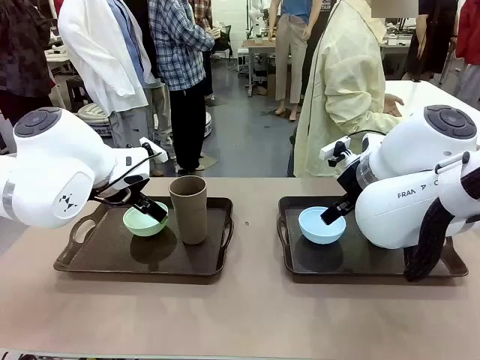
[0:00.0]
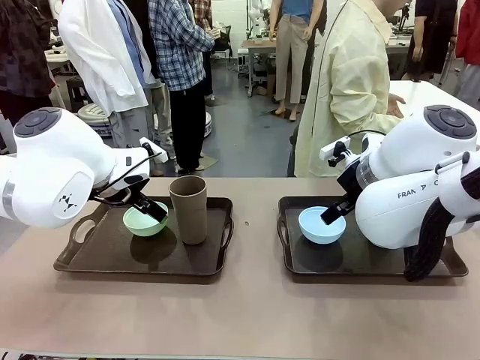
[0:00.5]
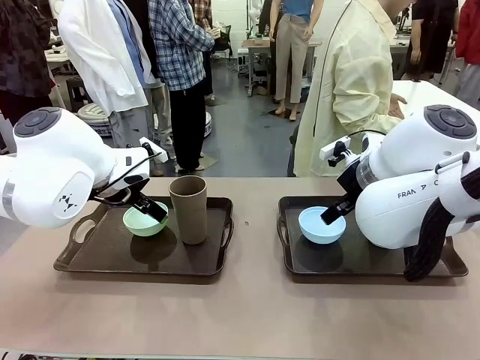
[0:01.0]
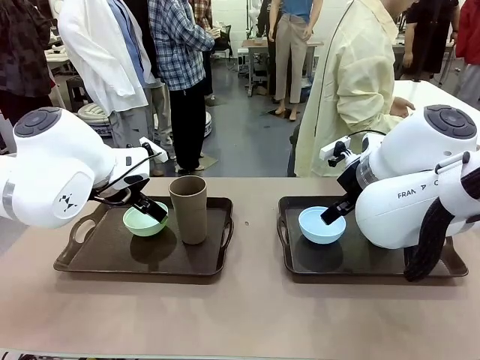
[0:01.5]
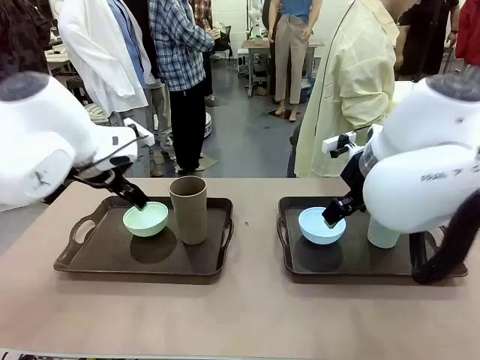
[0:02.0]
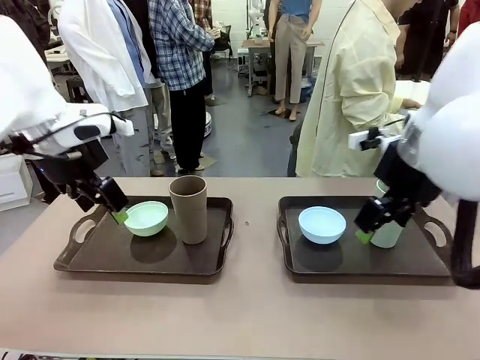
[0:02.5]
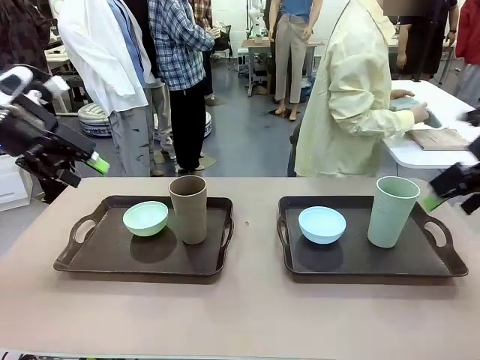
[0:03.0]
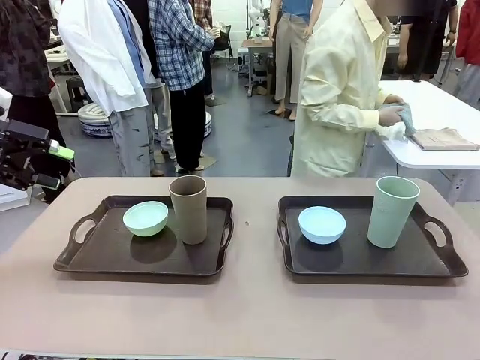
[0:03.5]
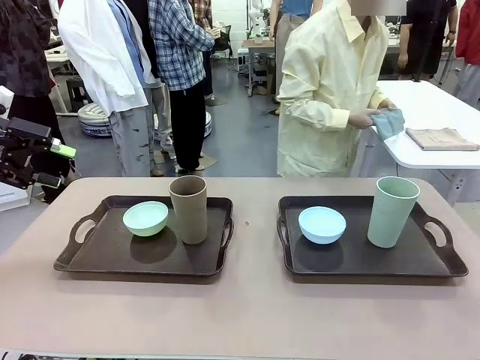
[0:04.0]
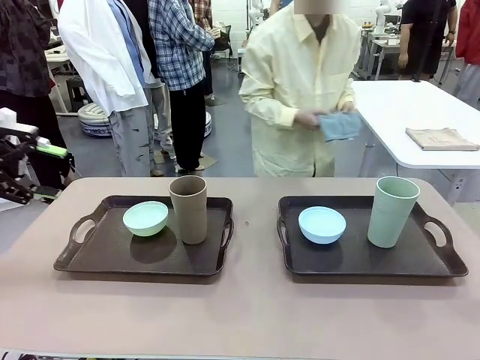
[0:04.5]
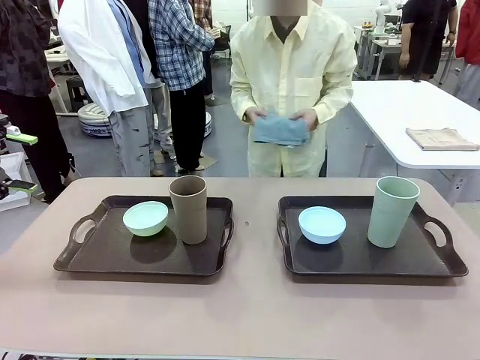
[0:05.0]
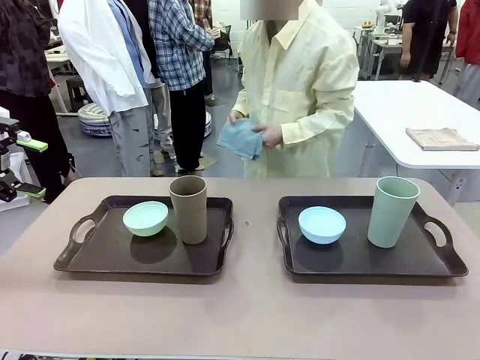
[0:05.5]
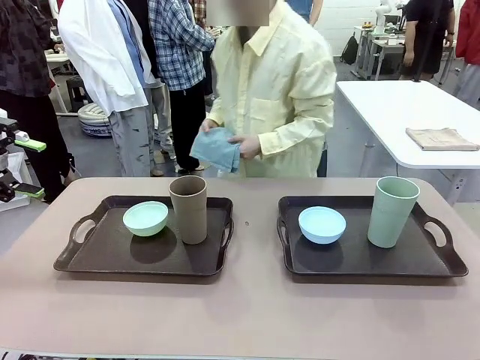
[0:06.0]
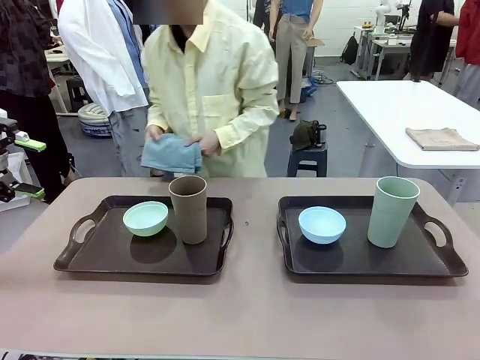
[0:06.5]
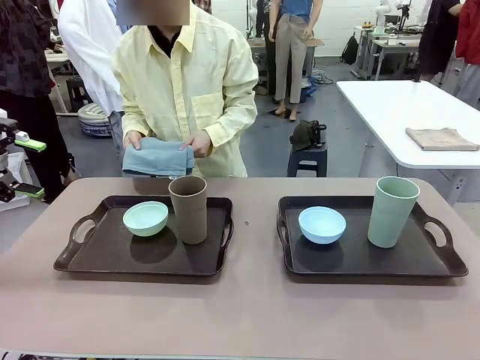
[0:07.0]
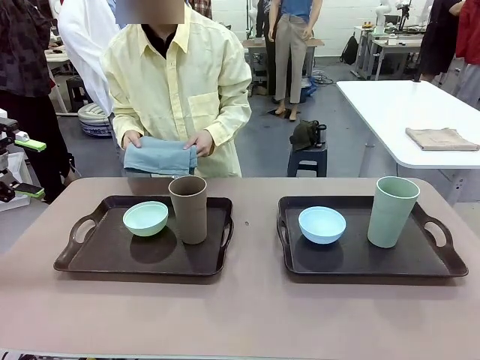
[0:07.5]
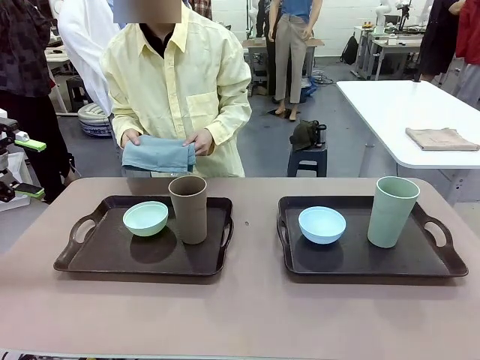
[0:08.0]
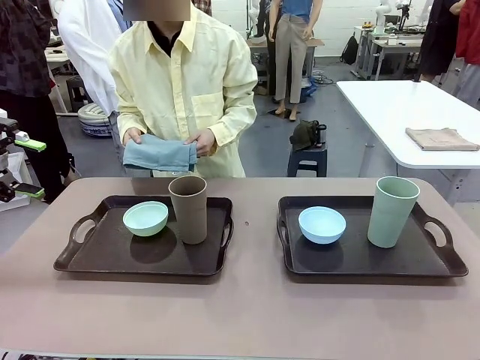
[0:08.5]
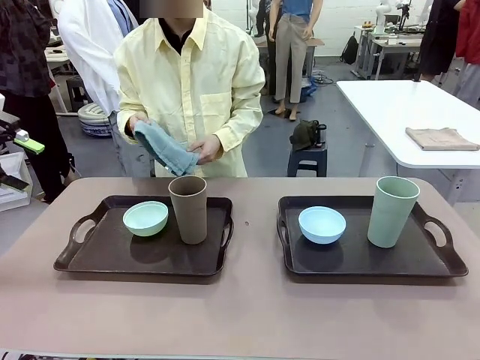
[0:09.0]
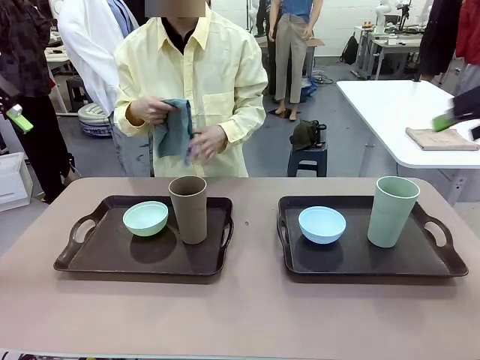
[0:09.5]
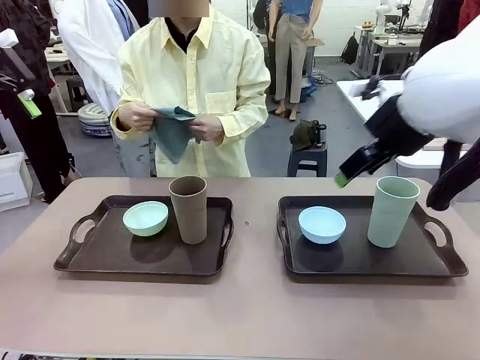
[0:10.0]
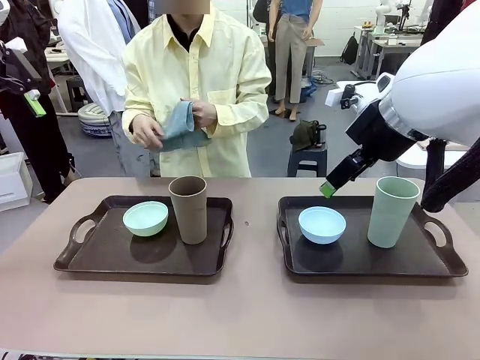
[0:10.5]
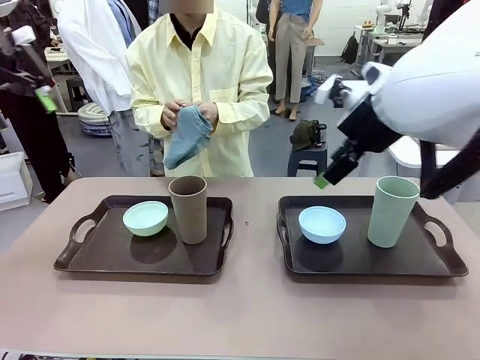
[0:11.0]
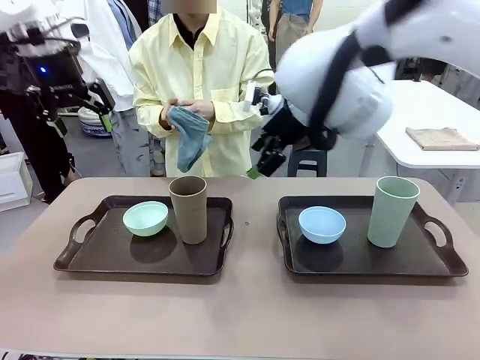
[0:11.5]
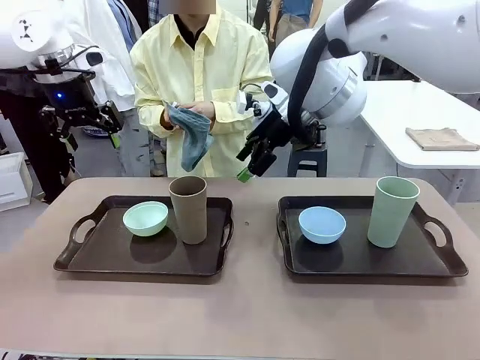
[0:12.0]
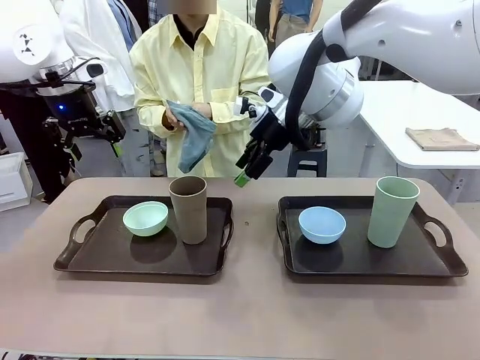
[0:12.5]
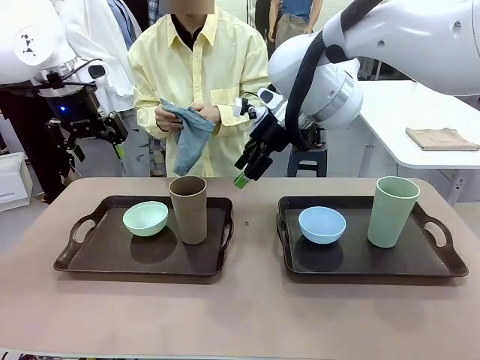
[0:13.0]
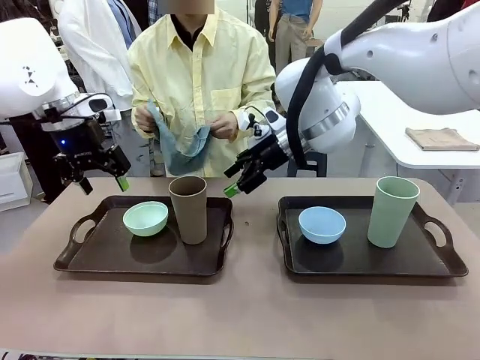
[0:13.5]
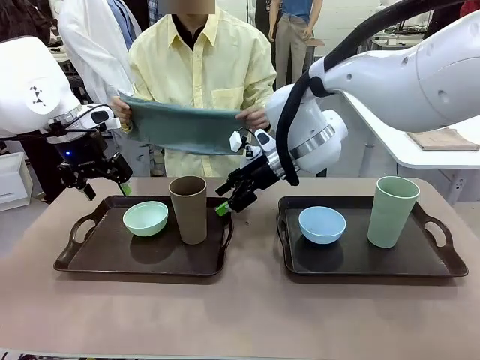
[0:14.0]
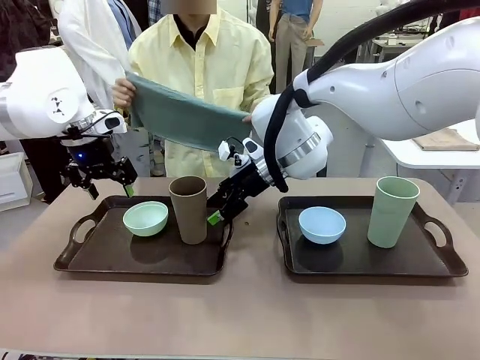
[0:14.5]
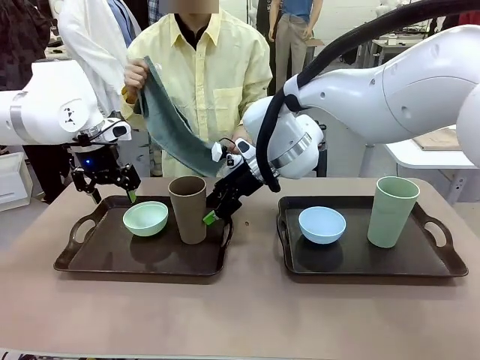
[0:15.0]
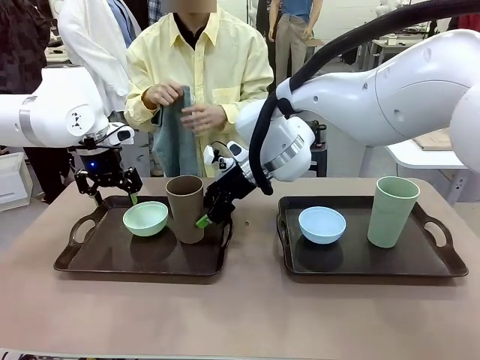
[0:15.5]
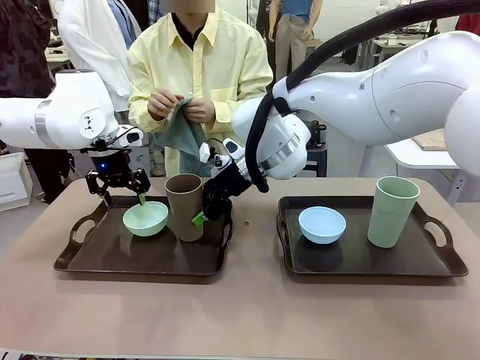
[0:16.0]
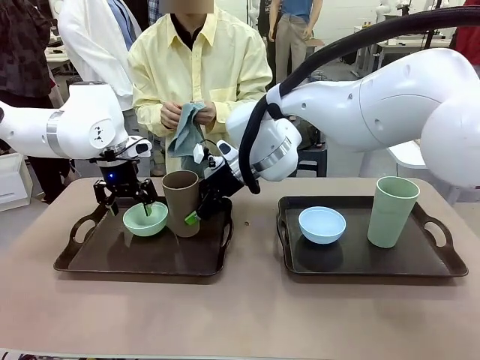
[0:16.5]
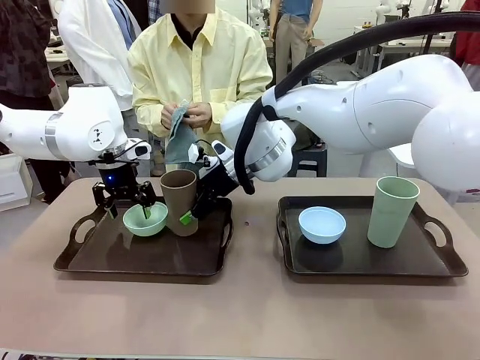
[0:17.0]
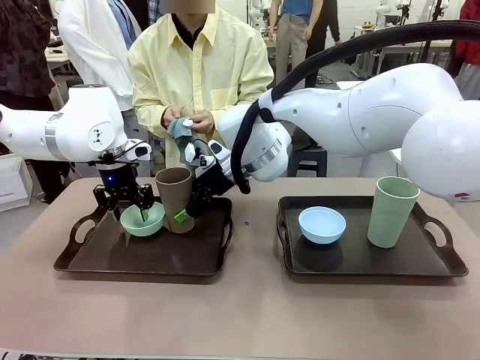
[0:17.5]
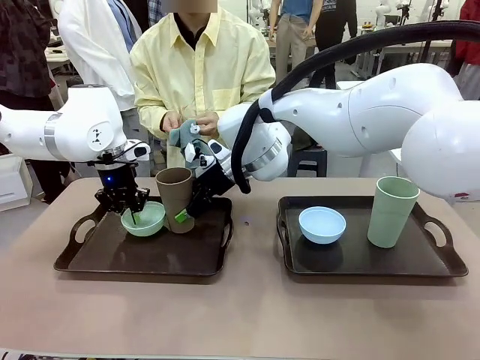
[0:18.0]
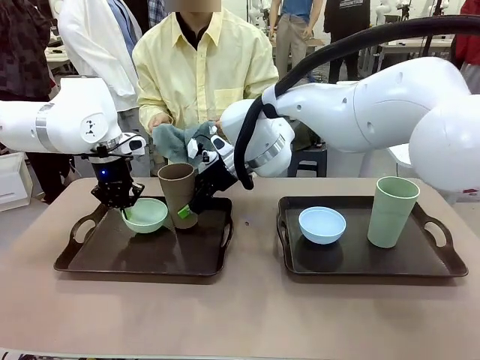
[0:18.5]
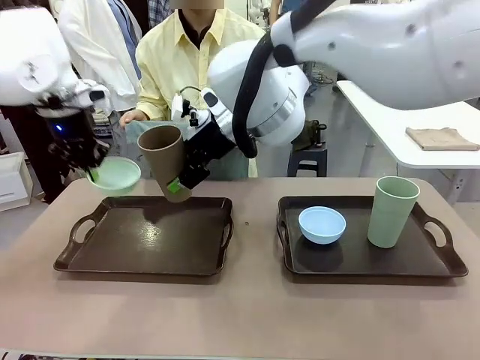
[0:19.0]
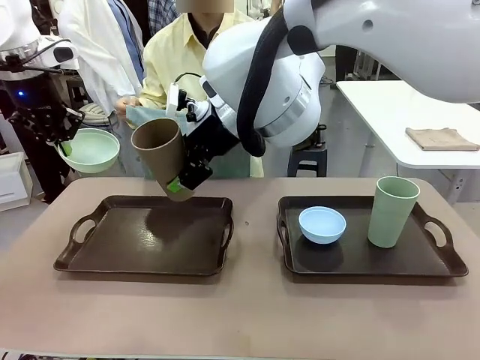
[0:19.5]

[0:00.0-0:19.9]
Robot: Pick up the Picnic Bowl and Reusable plastic cup from the Handle tray in front of the human's position and hold them in the air.
Person: The human picks up the top napkin from the stack on the human table and walks to the robot table to stand in front of one of the two trays. When the robot lifts the bowl and the cup, the human unfolds the napkin and lays the napkin flat on the tray.

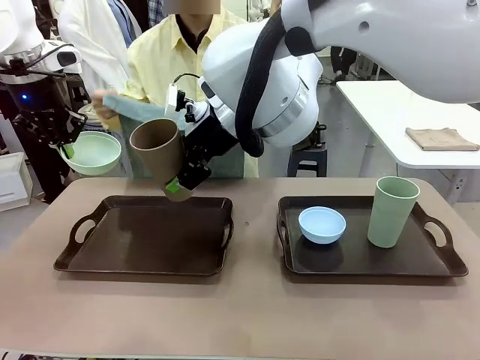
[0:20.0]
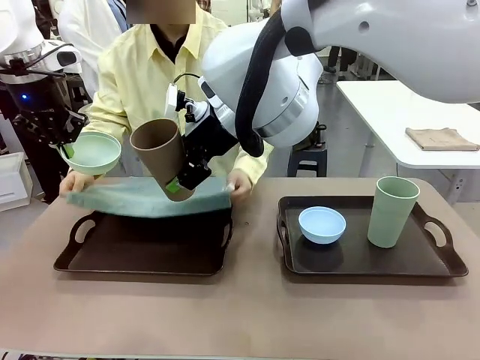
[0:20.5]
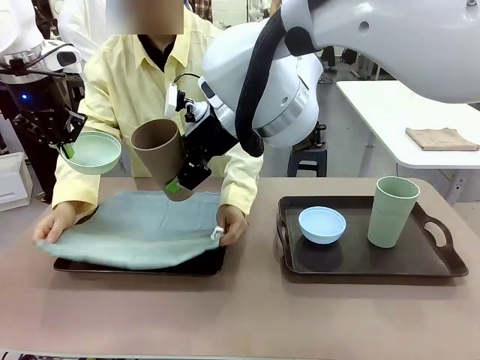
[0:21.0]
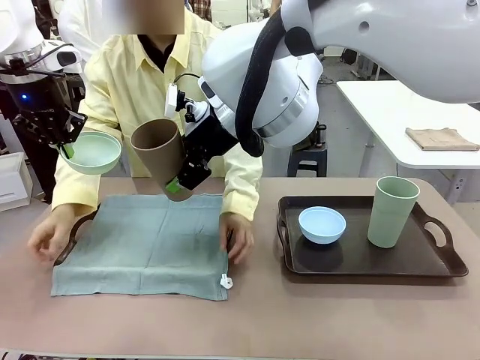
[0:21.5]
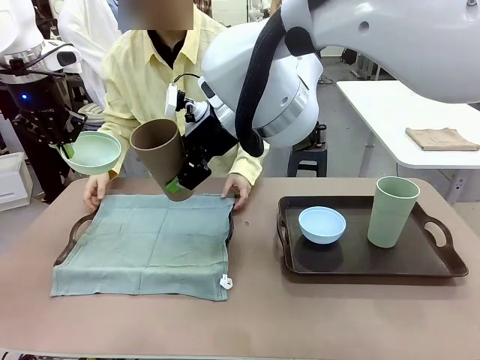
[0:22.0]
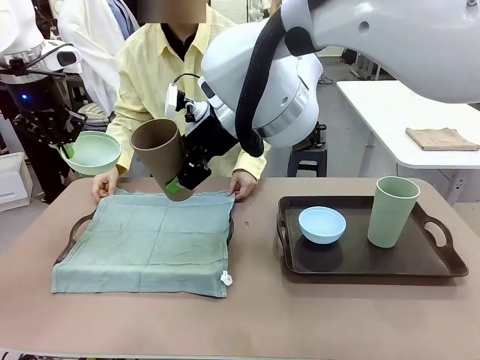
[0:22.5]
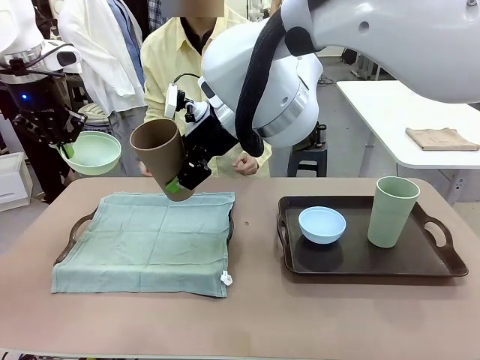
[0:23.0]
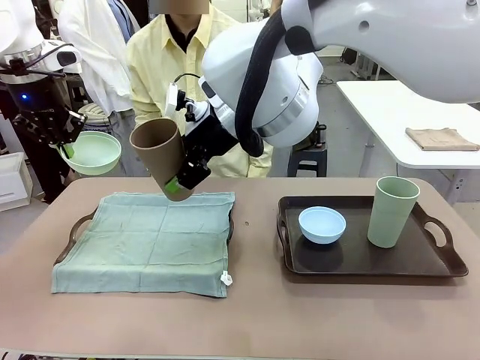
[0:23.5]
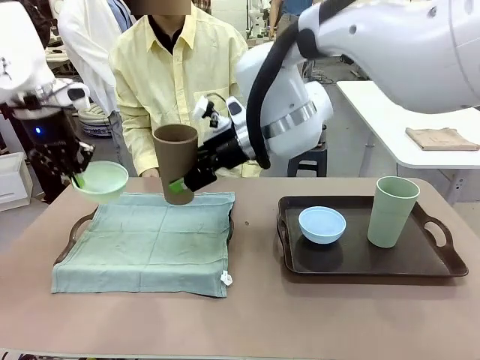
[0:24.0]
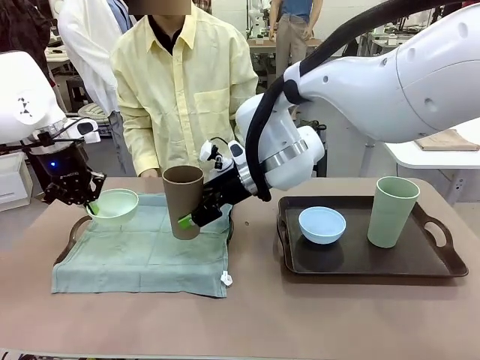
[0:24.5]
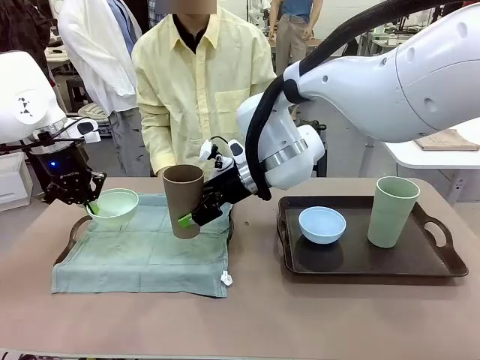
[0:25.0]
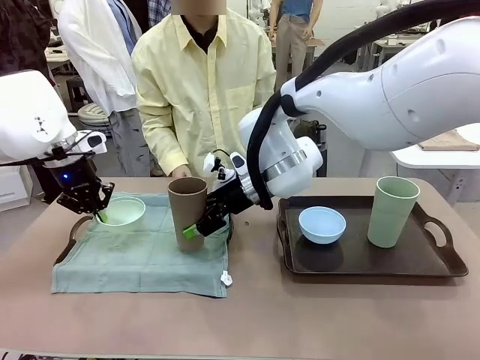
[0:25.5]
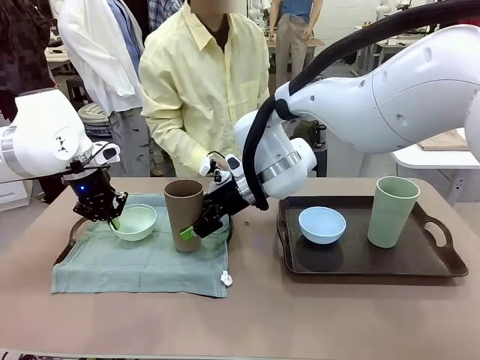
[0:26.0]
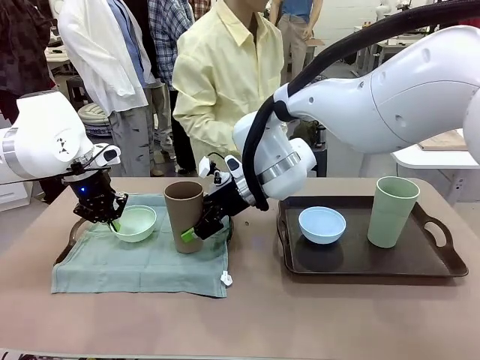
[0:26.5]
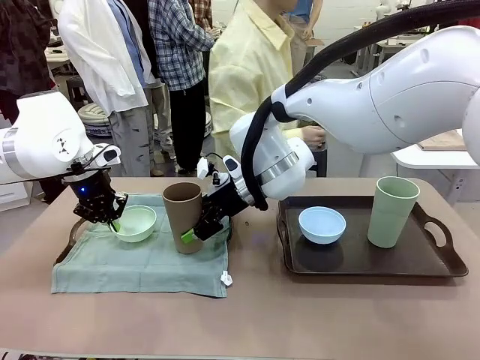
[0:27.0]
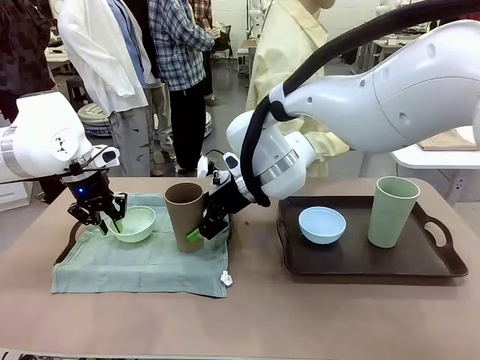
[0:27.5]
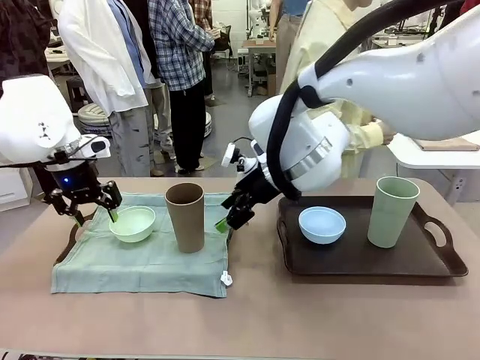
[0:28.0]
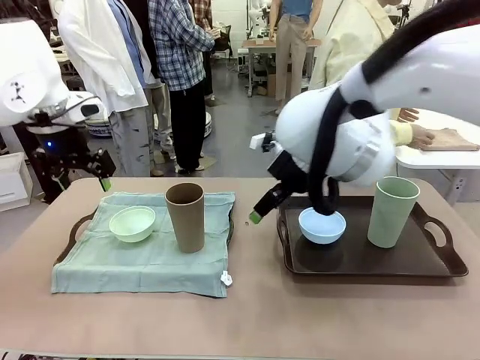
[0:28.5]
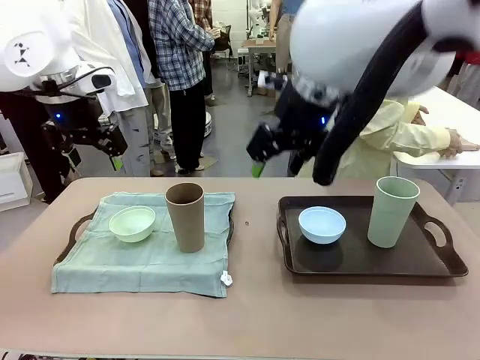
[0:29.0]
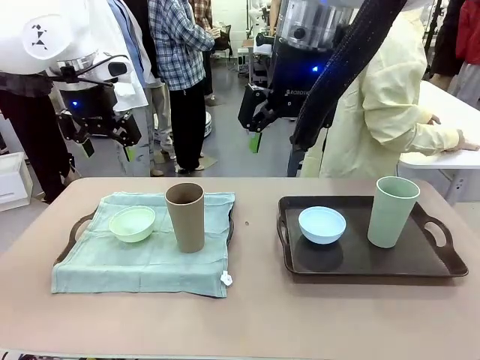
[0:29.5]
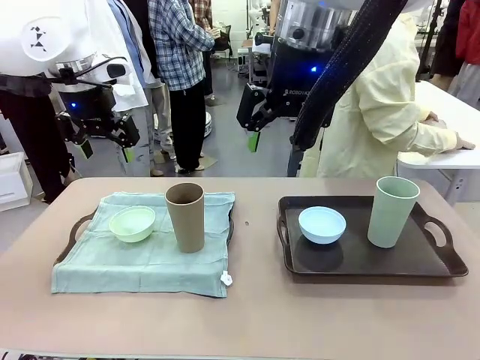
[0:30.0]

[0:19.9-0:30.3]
Robot: Place the Picnic Bowl and Reusable plastic cup back onto the Handle tray in front of the human's position.
Person: The human returns to the human table to pick up another napkin and walks to the robot table to stand in front of the tray without a napkin.
